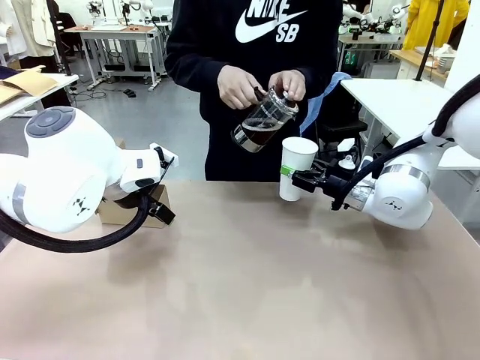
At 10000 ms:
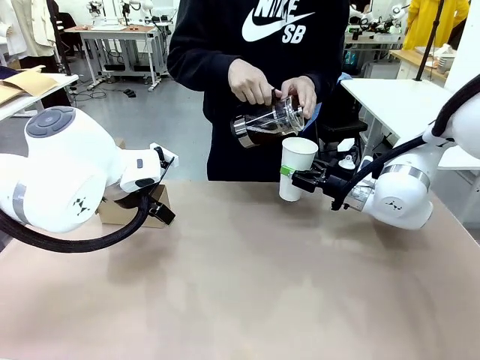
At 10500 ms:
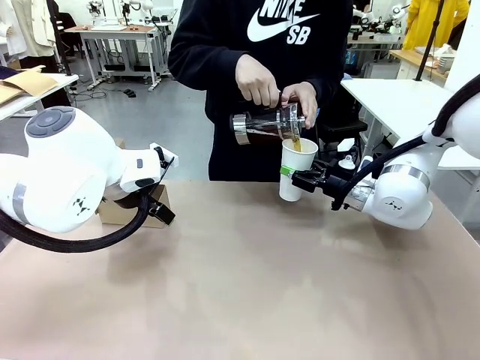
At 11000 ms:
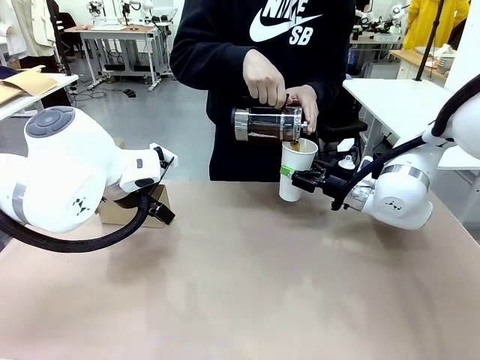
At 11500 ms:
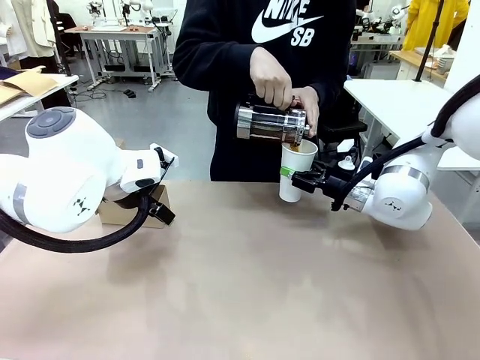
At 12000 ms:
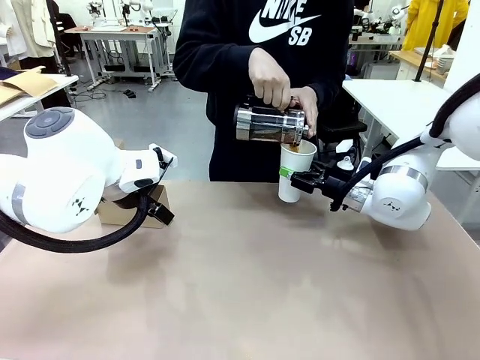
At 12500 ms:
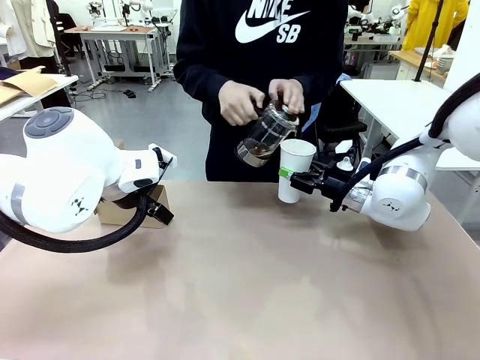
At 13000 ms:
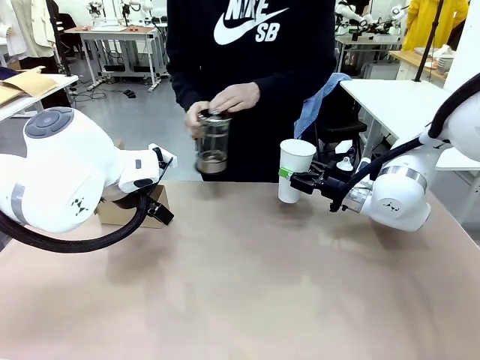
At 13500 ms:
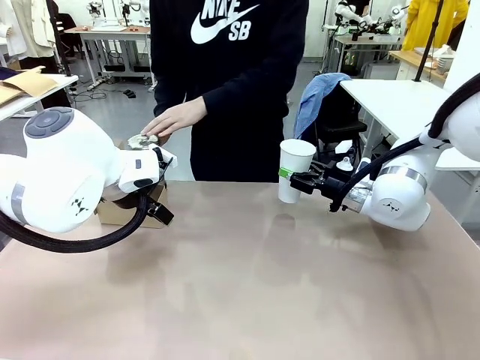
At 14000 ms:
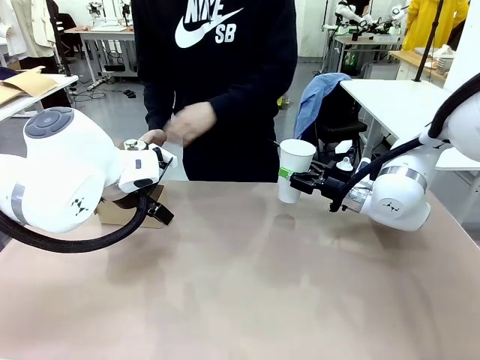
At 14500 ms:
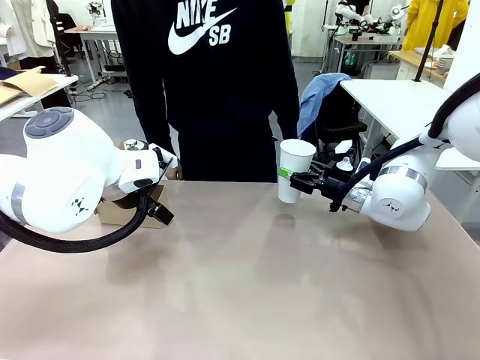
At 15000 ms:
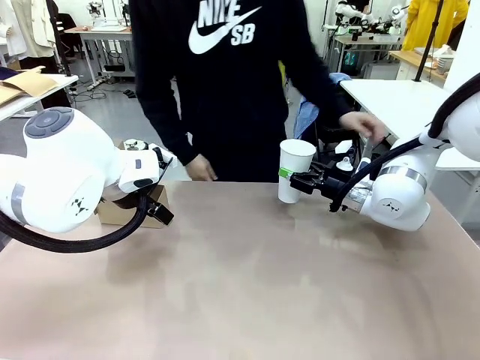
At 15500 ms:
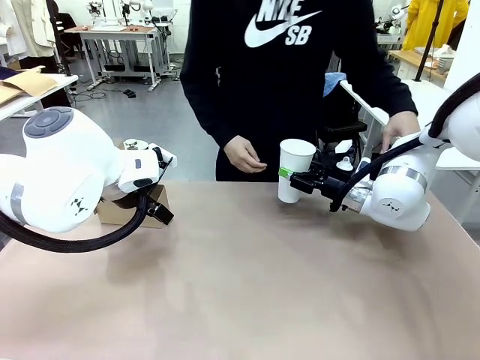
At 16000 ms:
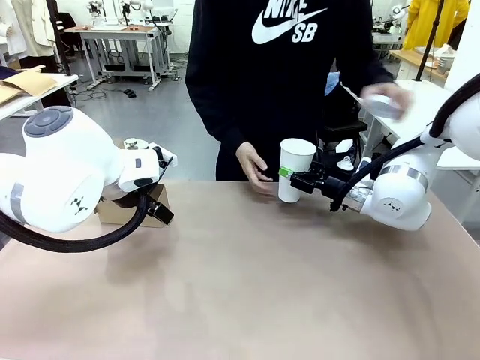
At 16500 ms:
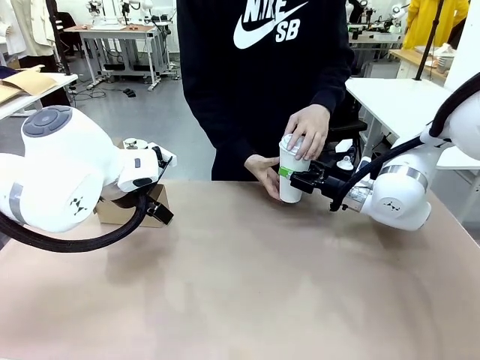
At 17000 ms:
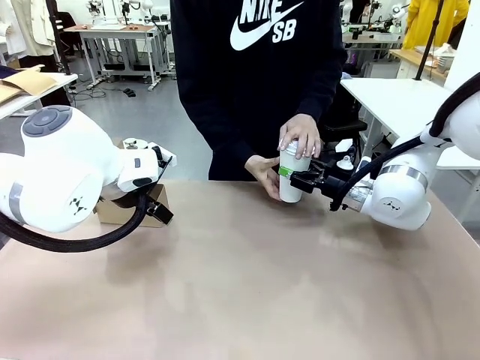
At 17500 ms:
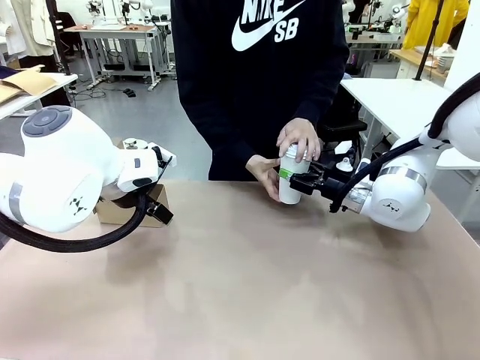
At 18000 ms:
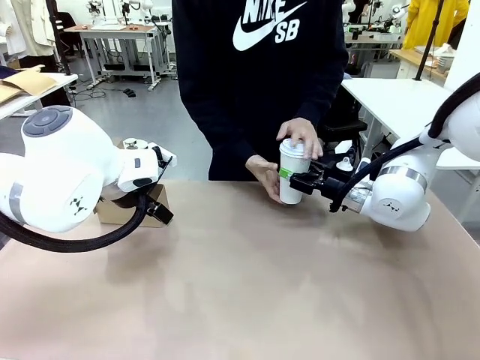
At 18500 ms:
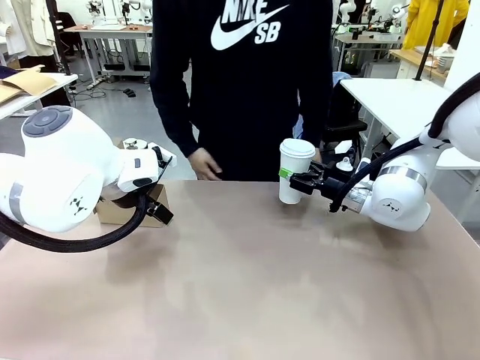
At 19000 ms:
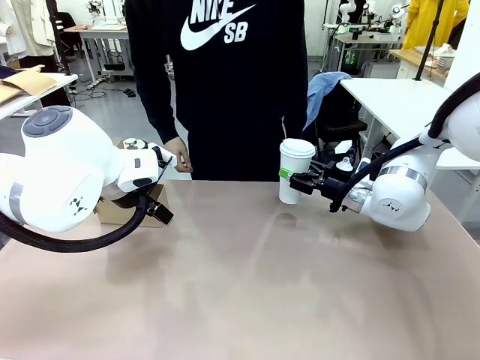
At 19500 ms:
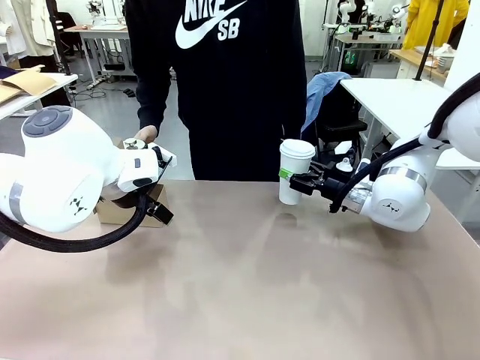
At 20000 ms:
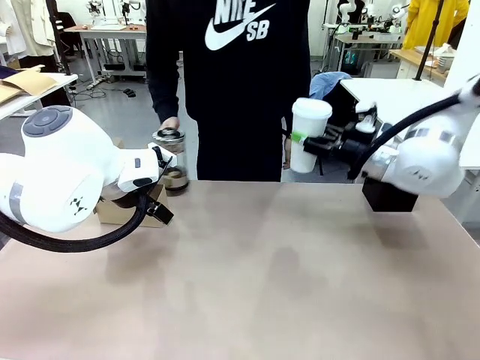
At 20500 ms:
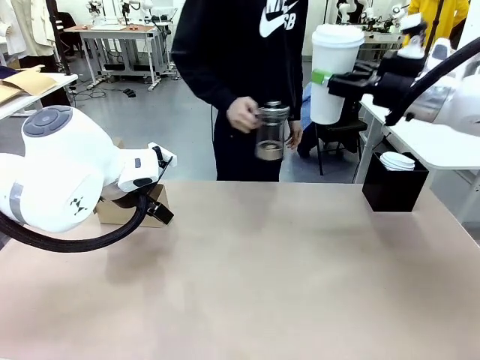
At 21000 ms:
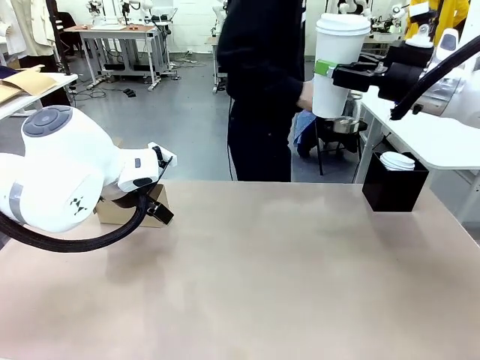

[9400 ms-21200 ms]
Task: Pour a drink into a cup and package it in a carrier.
Robot: When a person places the Paper Cup Lid on the 600 ml Paper Cup , lift the 600 ml Paper Cup.
Person: Pour the drink from the Filter Brewing into the 600 ml Paper Cup. Place a Paper Cup Lid on the 600 ml Paper Cup.

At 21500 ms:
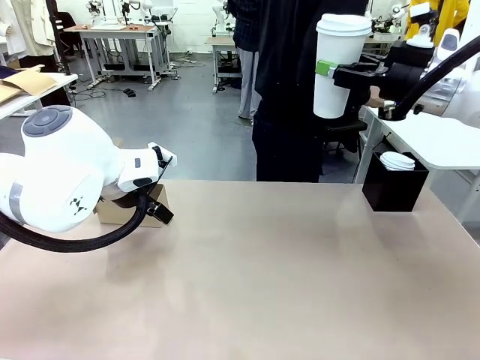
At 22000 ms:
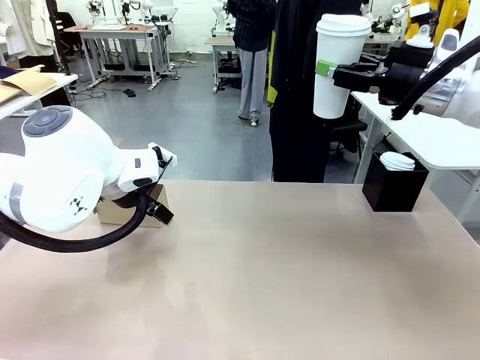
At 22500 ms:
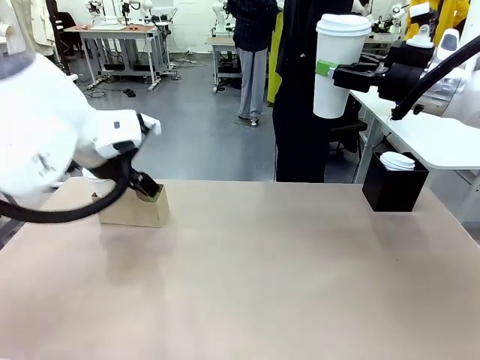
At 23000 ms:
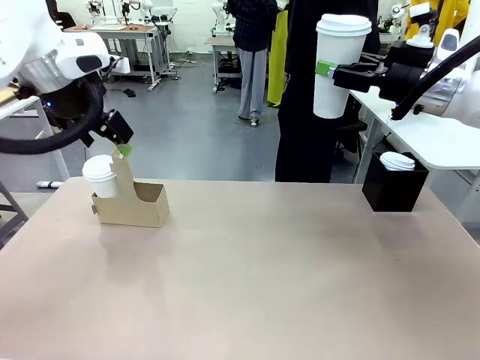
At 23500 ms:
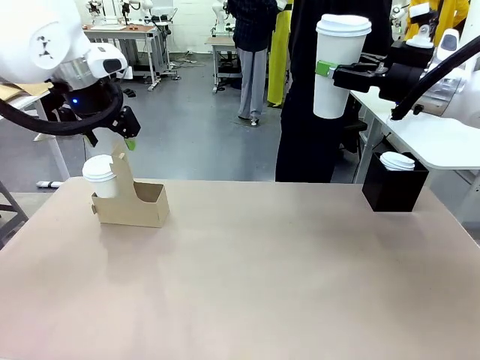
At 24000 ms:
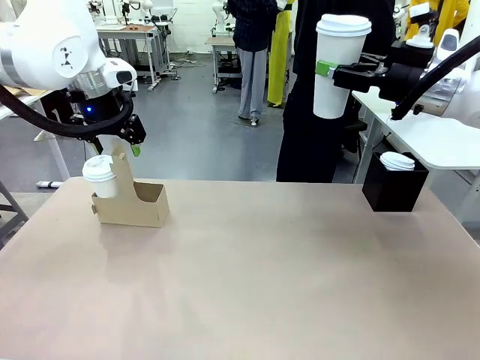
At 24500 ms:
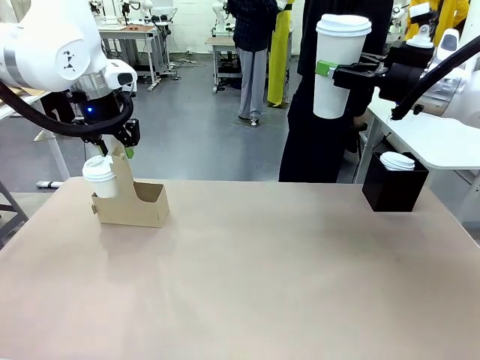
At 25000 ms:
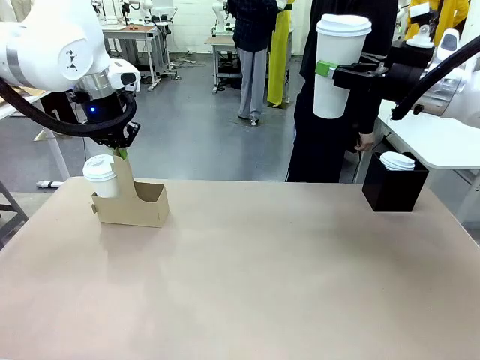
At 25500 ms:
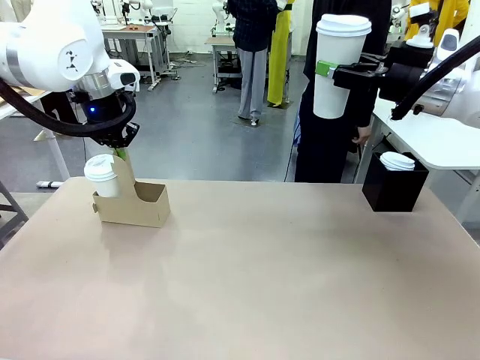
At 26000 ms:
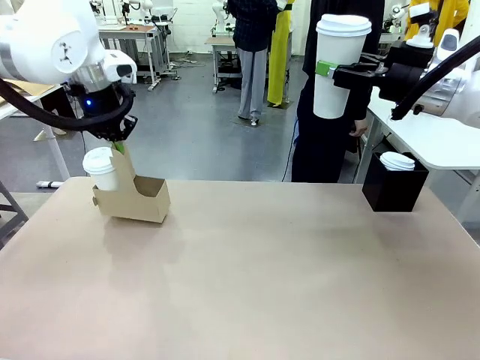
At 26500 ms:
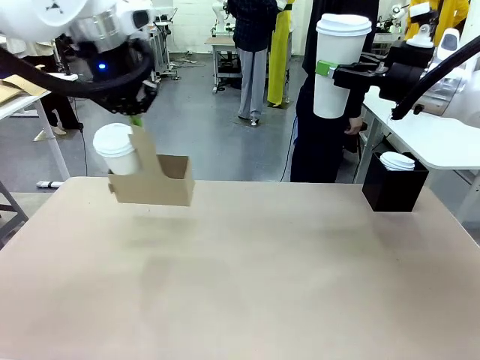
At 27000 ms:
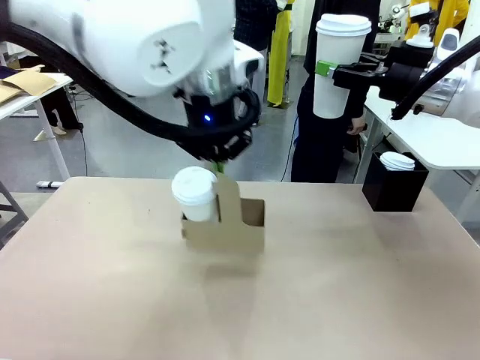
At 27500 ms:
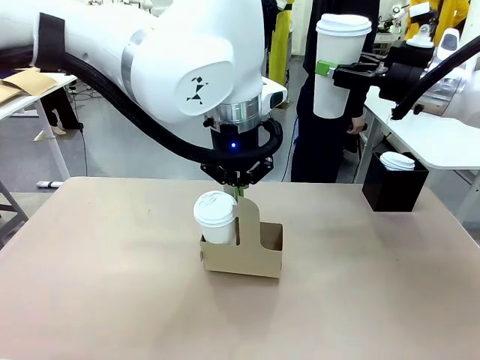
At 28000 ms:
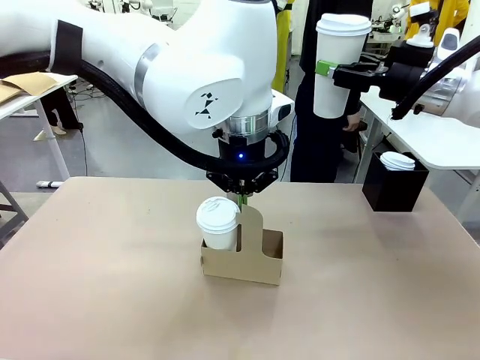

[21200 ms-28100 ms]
Robot: Position the Cup Carrier in the center of the table.

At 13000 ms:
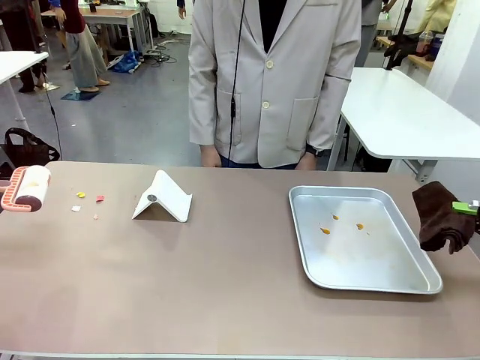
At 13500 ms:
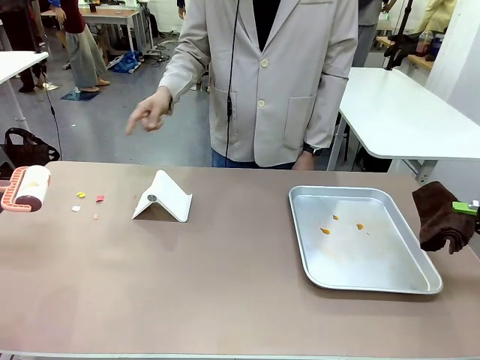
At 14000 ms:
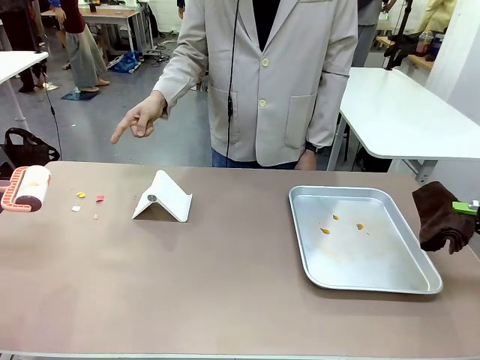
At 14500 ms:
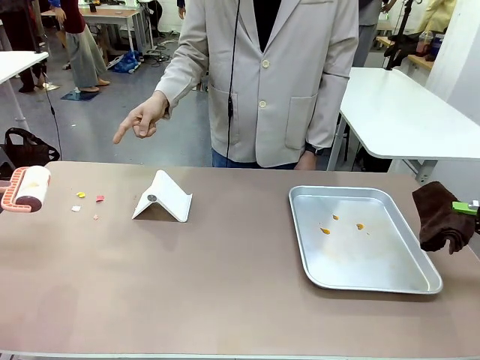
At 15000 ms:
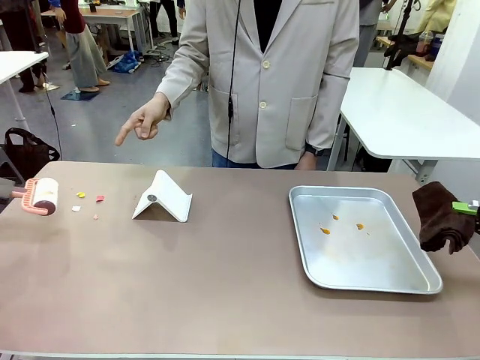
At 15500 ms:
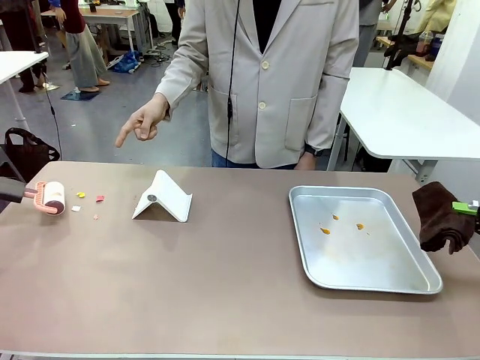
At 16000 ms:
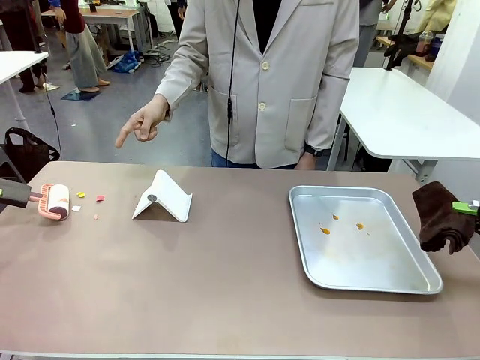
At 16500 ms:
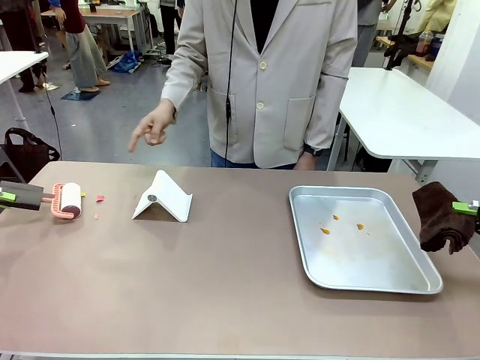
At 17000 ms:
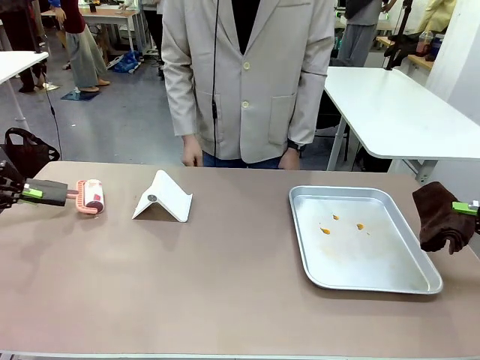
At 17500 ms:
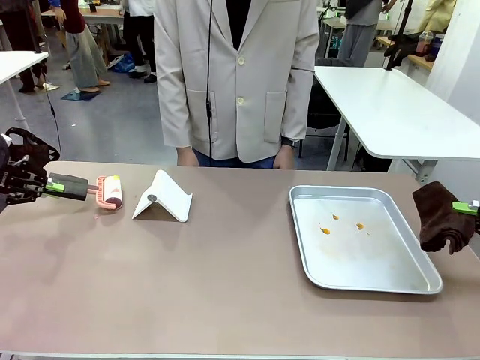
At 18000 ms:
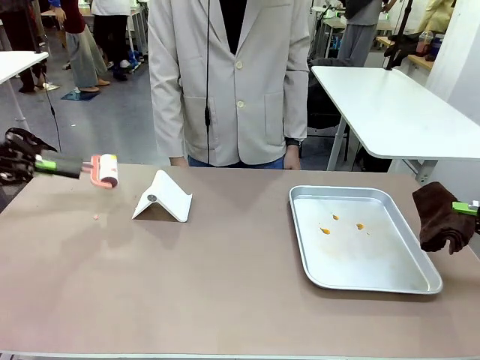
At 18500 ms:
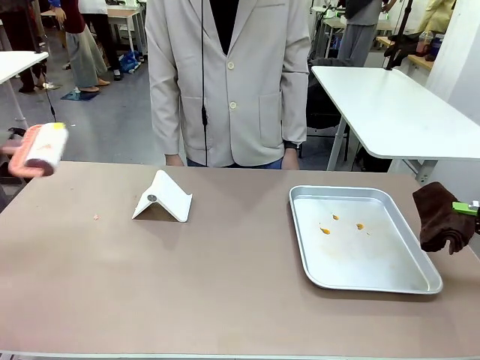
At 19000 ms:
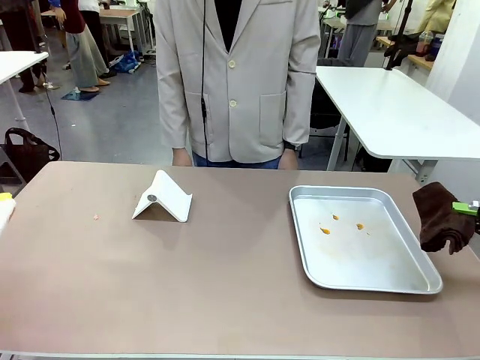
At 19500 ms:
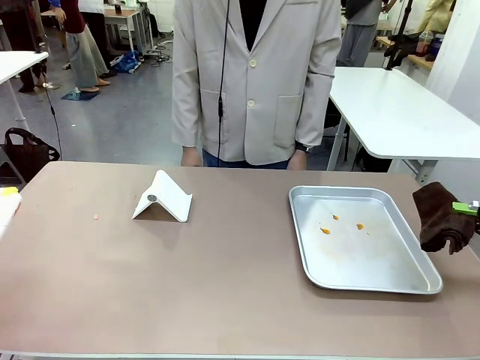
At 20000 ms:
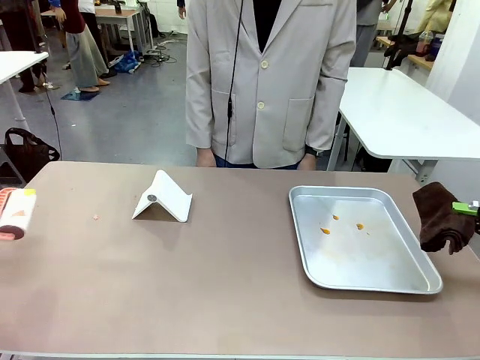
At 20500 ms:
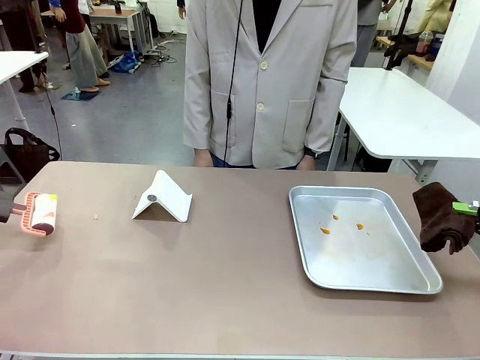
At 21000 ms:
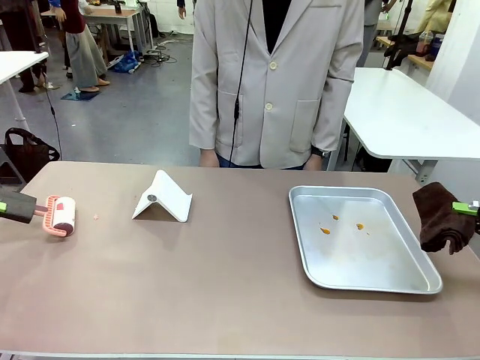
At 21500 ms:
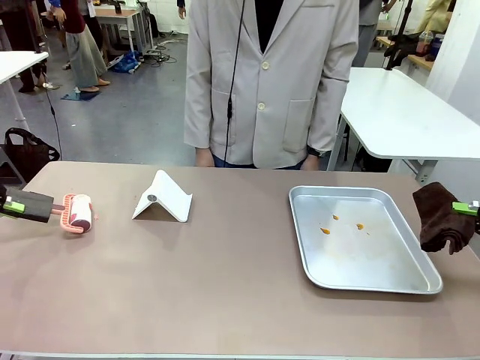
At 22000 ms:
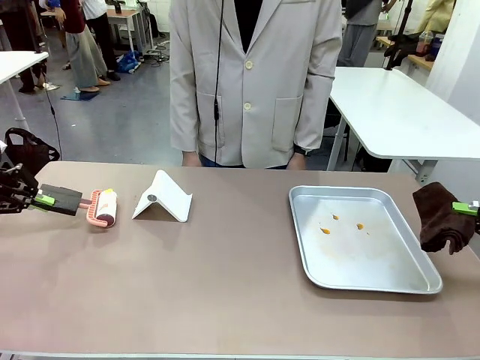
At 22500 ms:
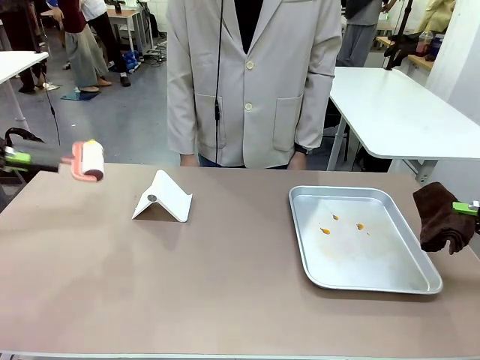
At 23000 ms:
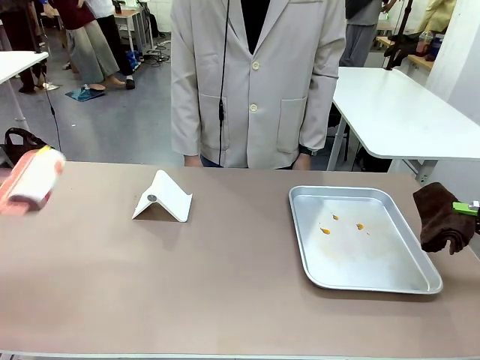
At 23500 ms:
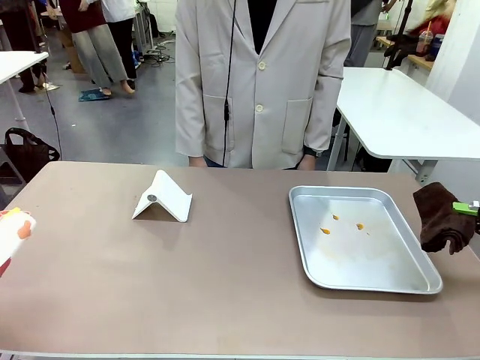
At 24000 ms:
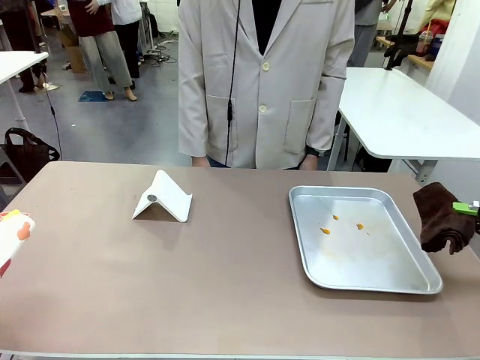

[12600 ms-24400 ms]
Task: Clean the surface of the table.
Robot: If a person points to the right, clean the right side of the table with your right hand, and if they point to the left, clean the left side with your left hand.
